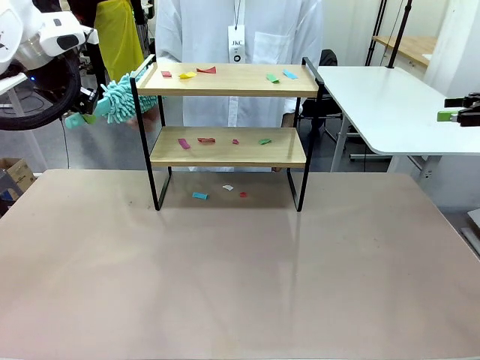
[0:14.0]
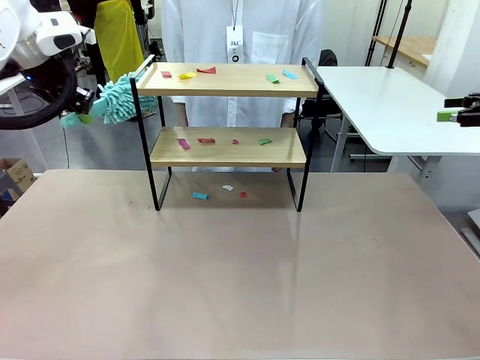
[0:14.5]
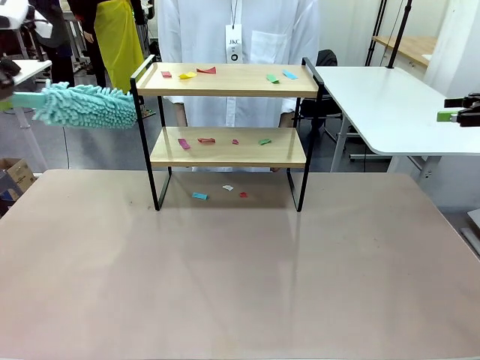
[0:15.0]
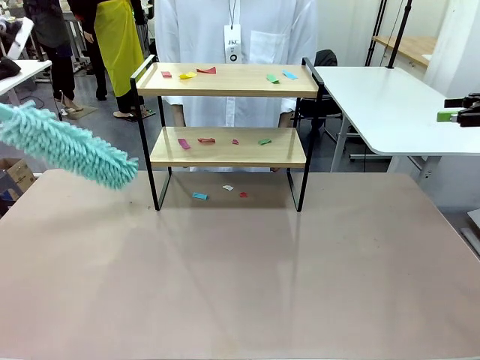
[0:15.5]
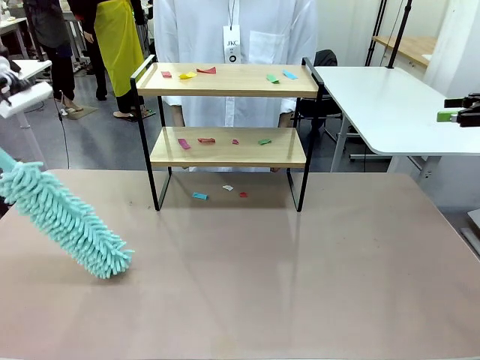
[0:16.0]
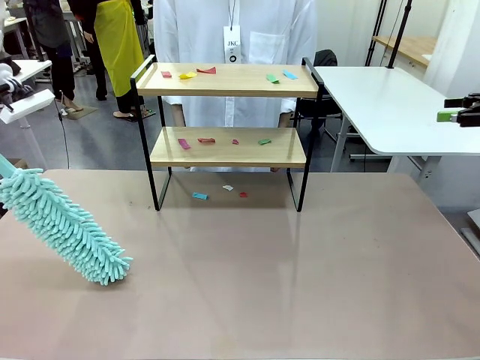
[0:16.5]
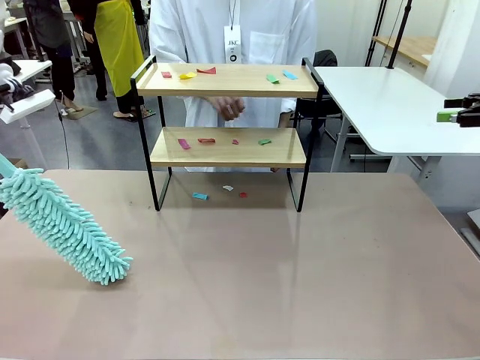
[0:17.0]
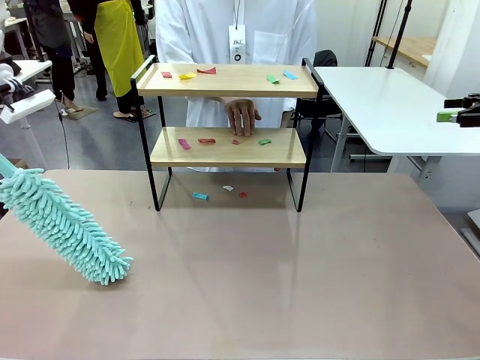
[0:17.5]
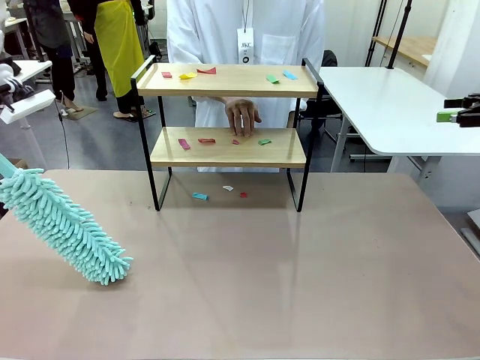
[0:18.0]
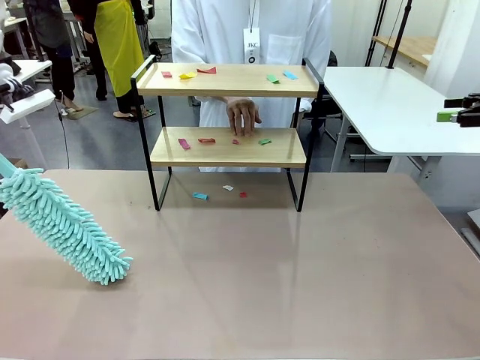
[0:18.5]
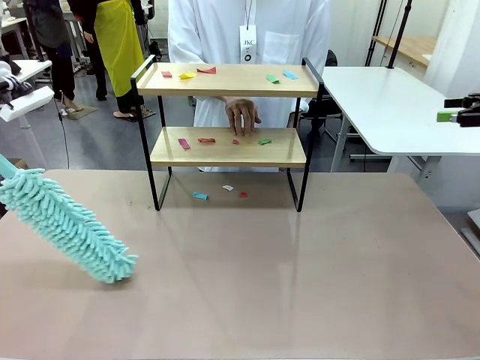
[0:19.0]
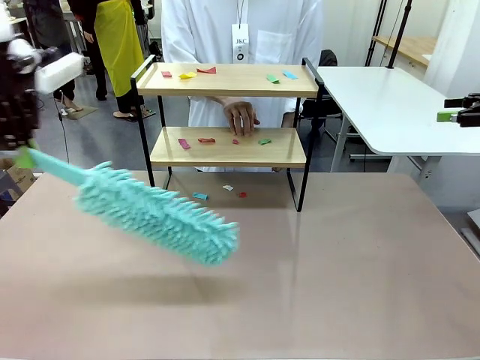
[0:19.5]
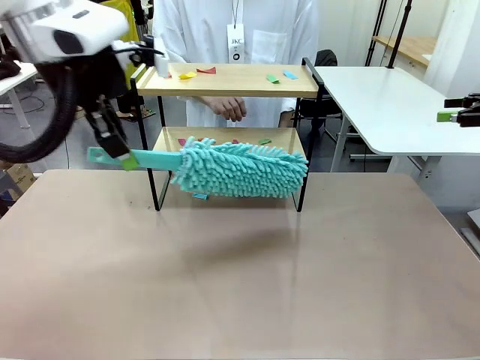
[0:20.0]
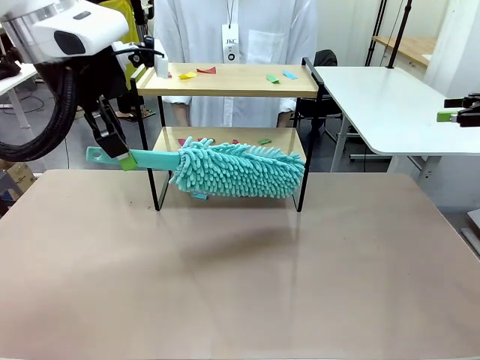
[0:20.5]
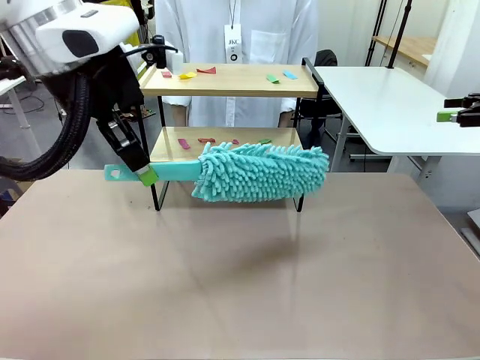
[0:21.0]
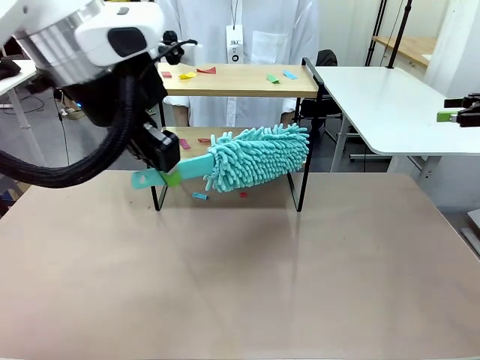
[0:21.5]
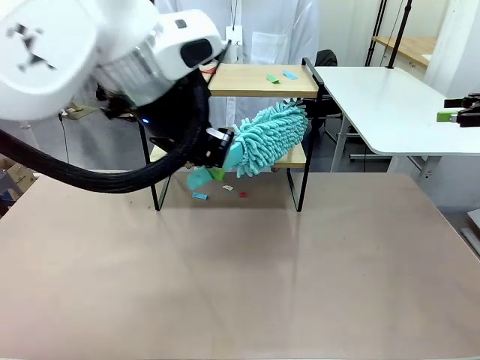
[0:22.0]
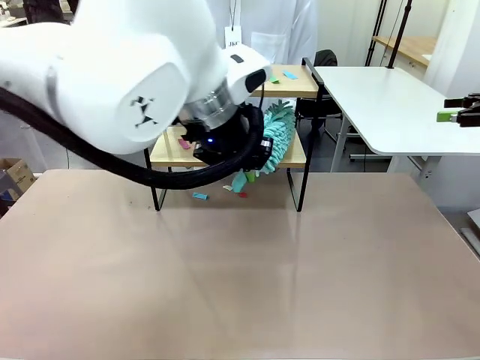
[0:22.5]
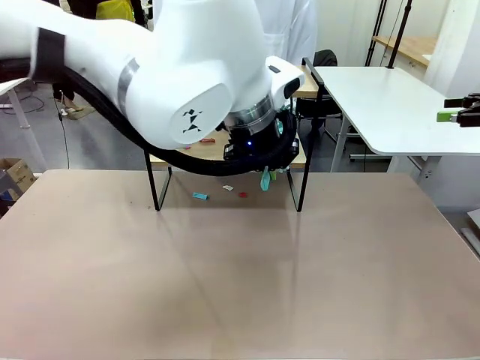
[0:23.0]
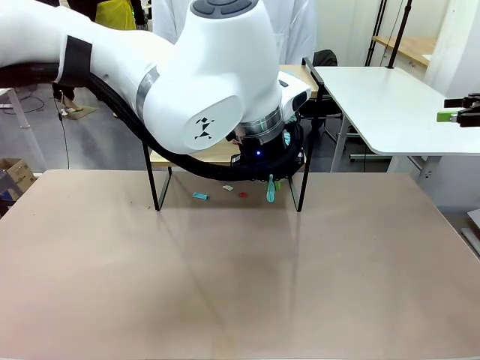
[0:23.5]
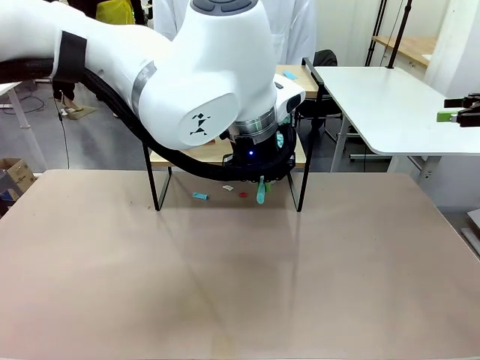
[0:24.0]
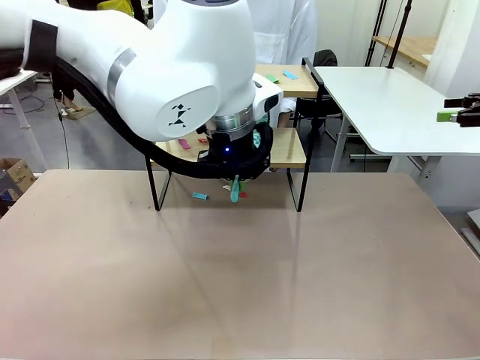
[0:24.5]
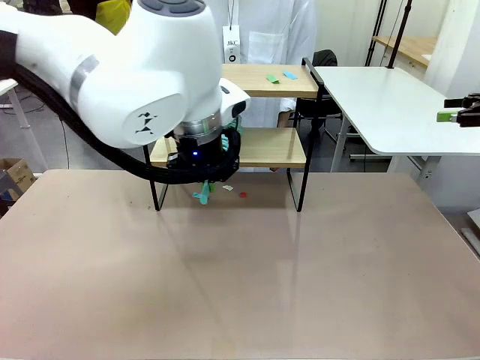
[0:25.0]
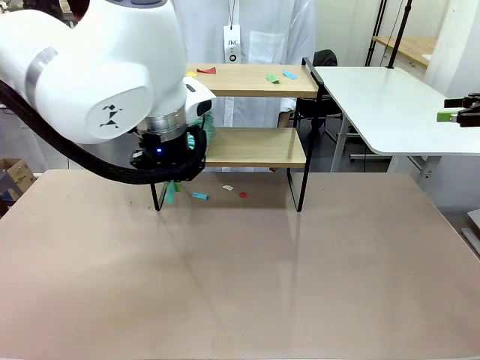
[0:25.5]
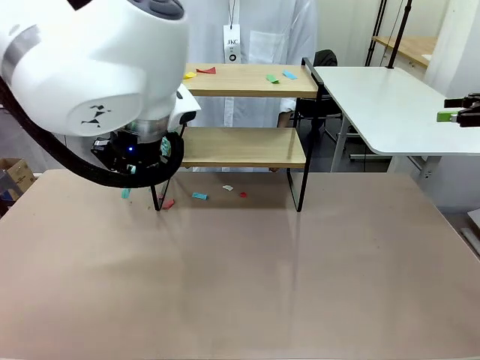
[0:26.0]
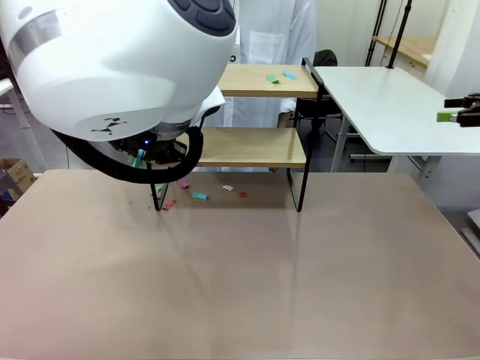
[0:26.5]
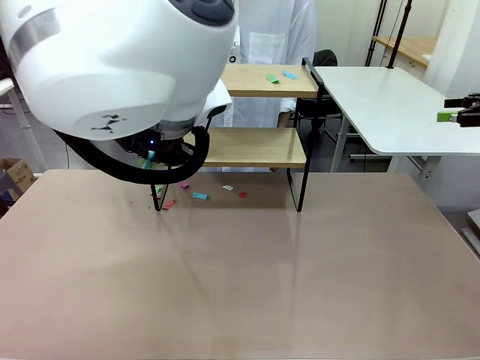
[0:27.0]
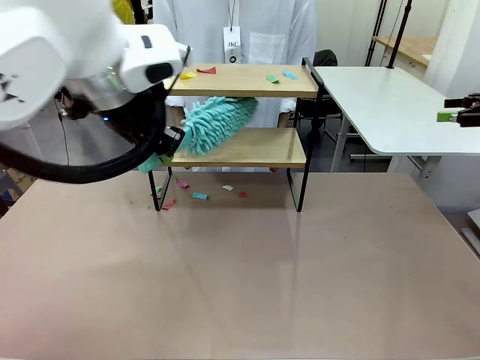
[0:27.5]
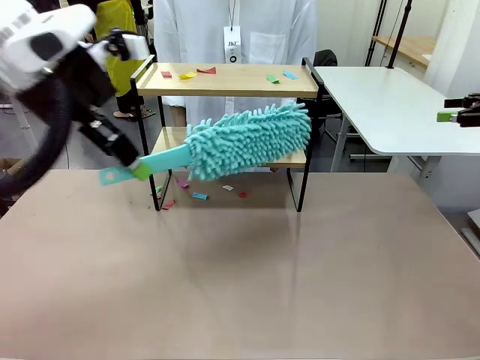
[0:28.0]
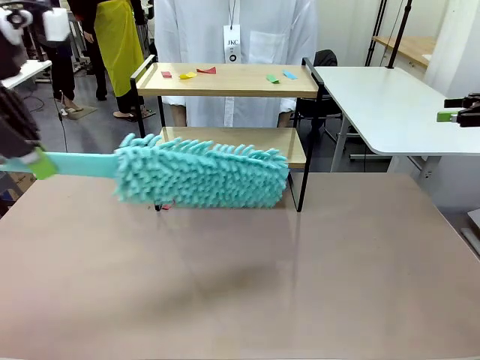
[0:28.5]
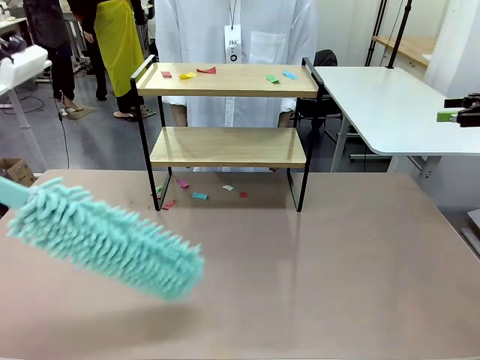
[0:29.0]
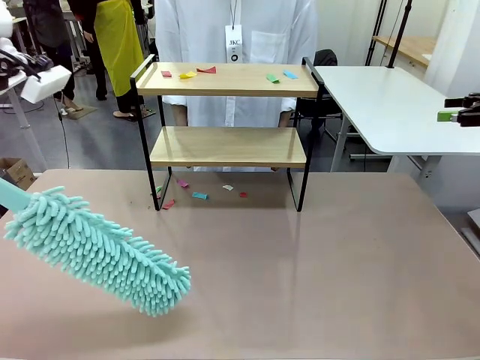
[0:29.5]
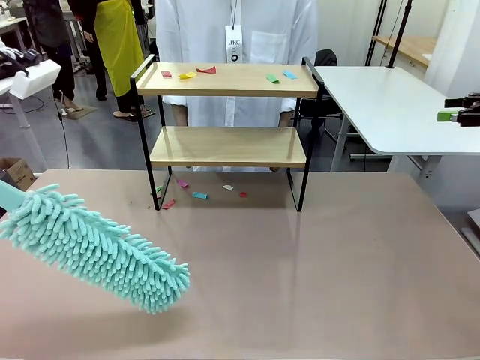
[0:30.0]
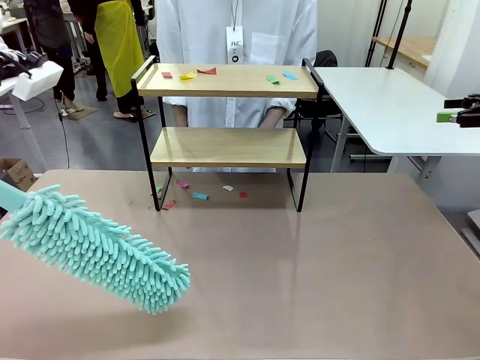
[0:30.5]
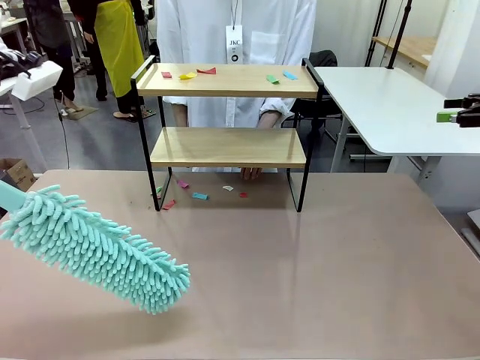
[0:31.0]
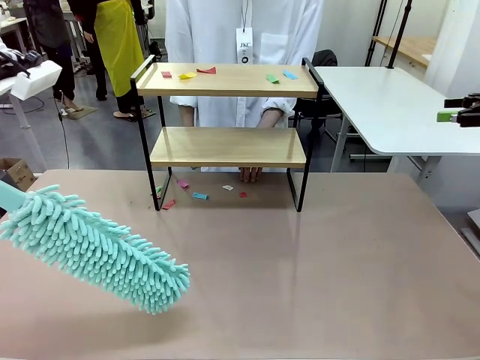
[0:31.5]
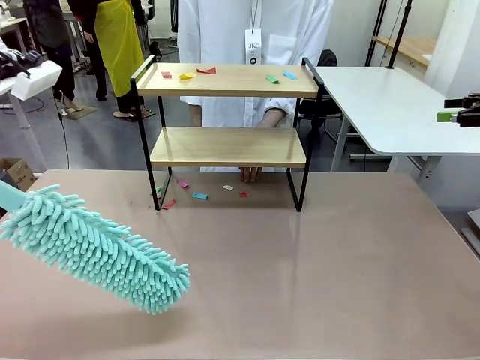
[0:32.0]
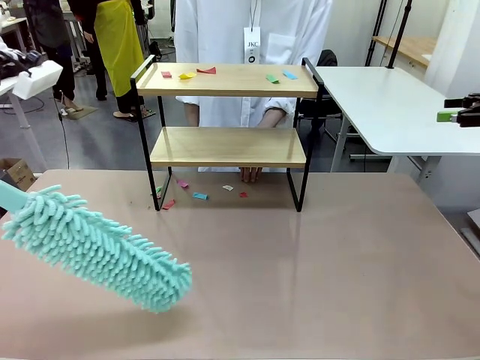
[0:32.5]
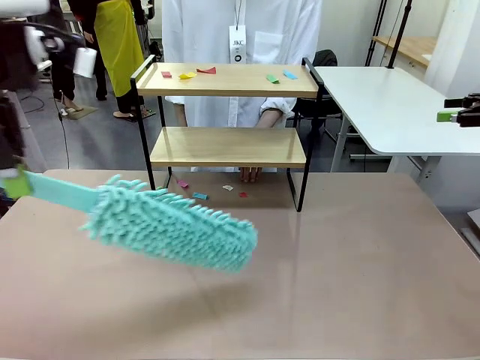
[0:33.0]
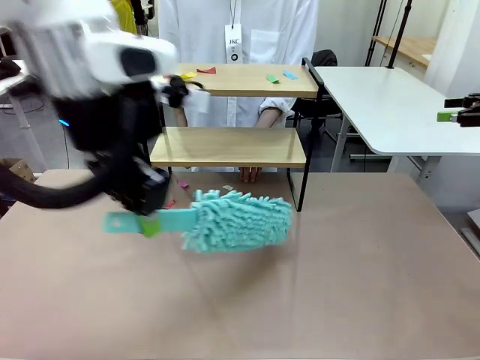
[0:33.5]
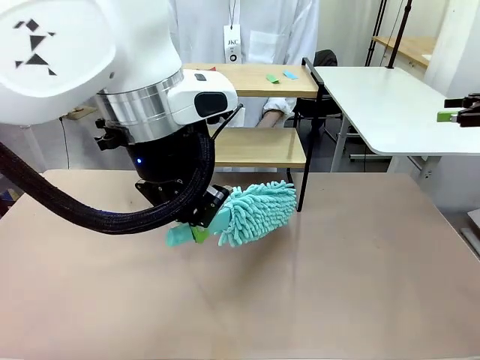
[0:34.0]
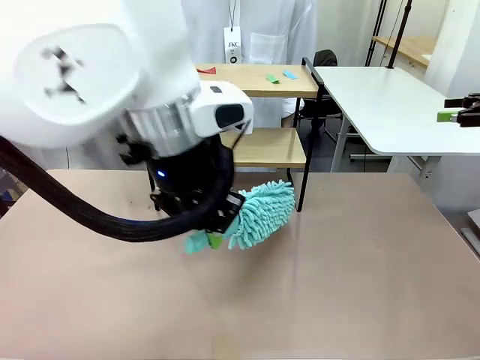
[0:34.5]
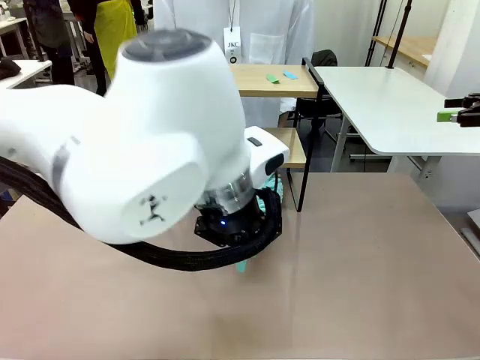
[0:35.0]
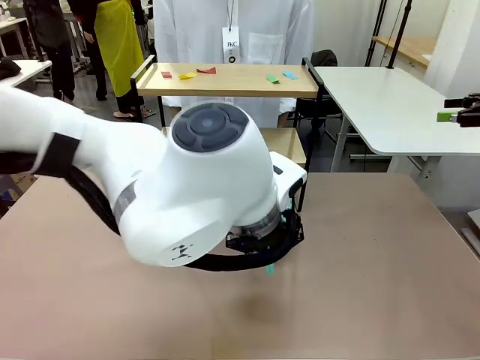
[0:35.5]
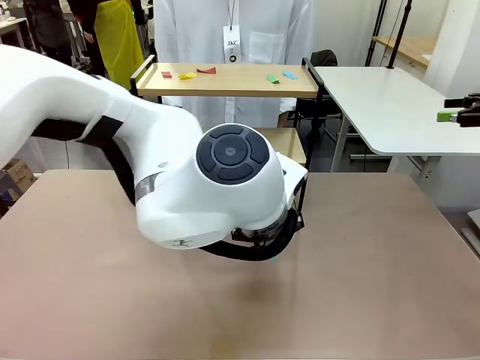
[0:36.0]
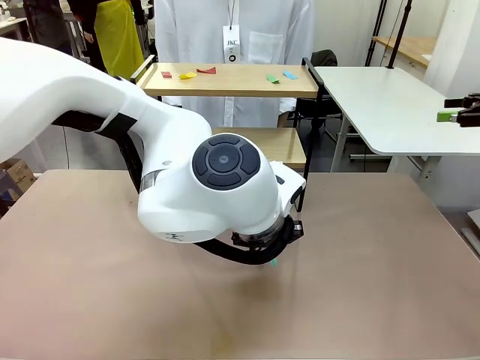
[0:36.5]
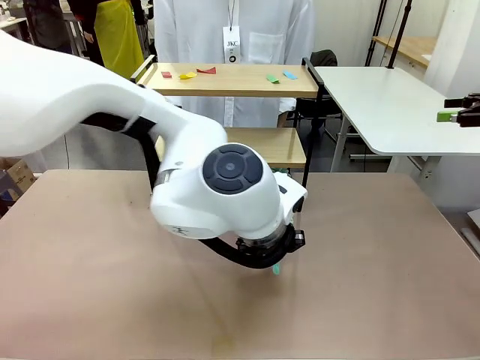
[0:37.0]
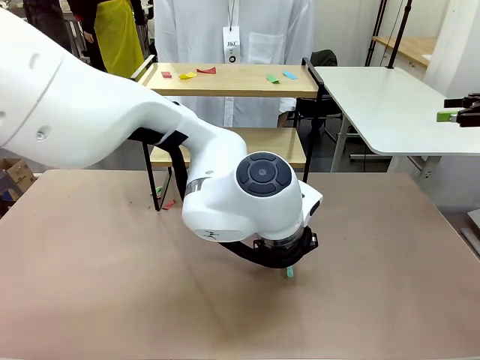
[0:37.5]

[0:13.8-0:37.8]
Task: Clean the shelf.
Robot: Clean the specific section of the Shelf indicated by the human with the Duster.
Person: Point a random section of the Shelf.
